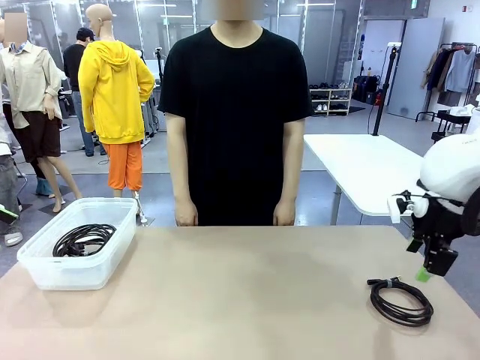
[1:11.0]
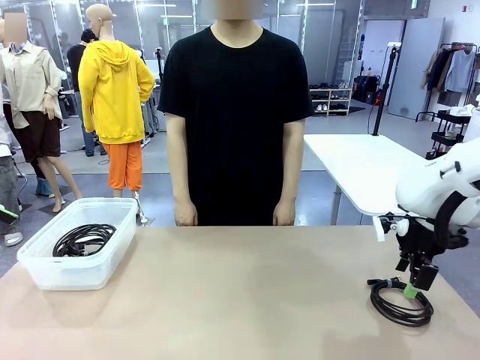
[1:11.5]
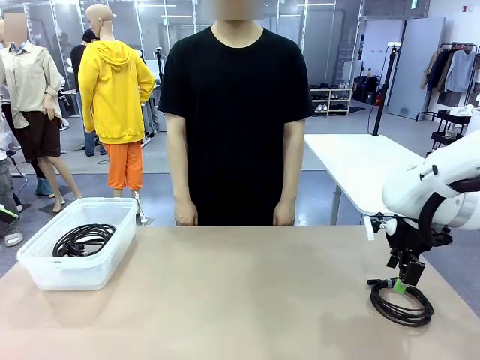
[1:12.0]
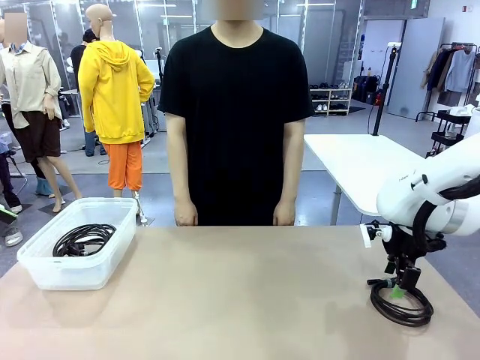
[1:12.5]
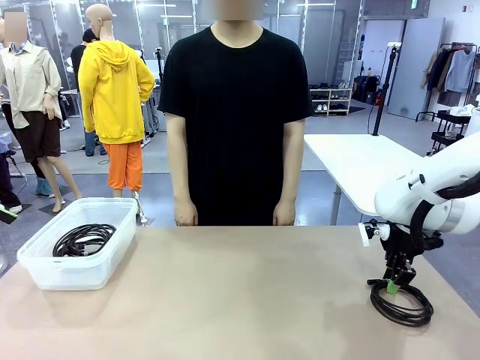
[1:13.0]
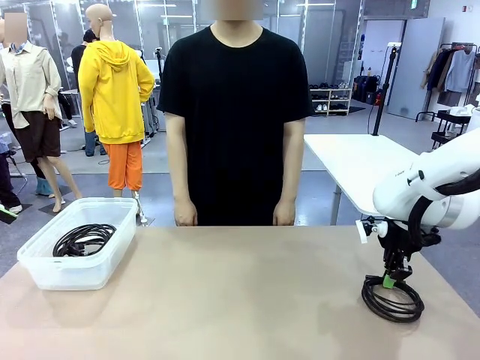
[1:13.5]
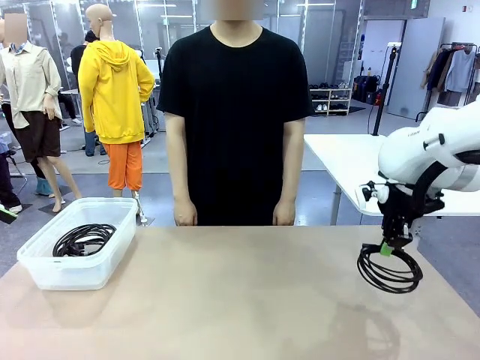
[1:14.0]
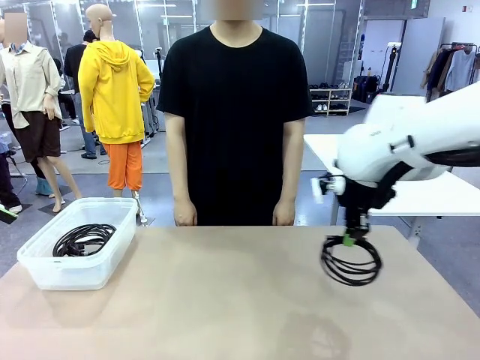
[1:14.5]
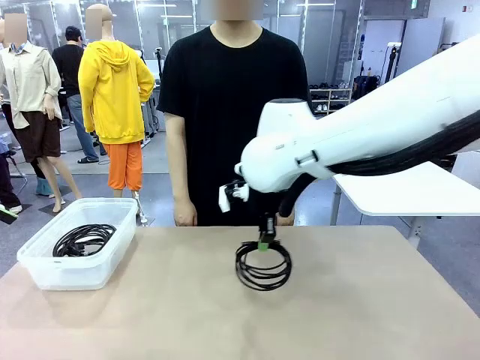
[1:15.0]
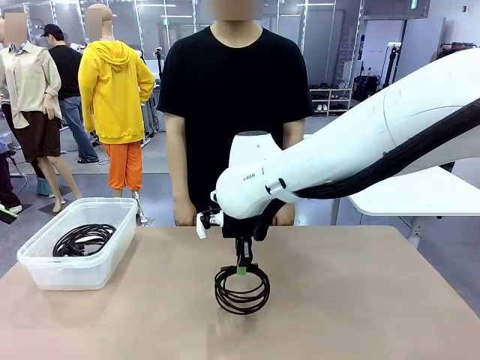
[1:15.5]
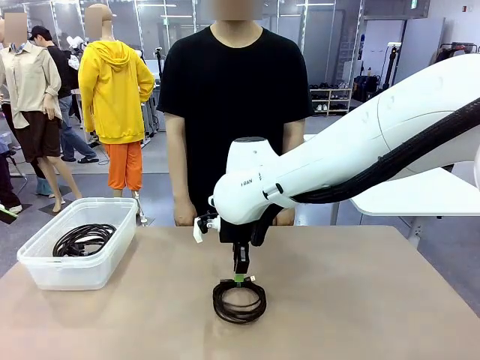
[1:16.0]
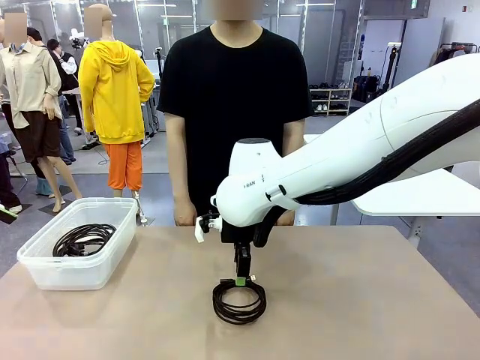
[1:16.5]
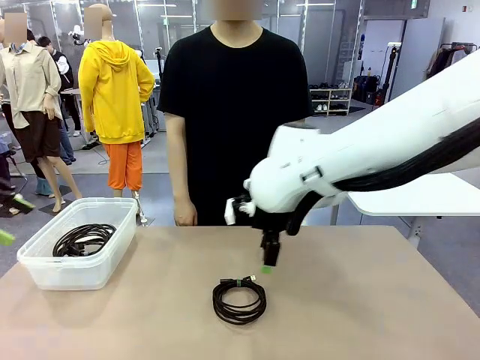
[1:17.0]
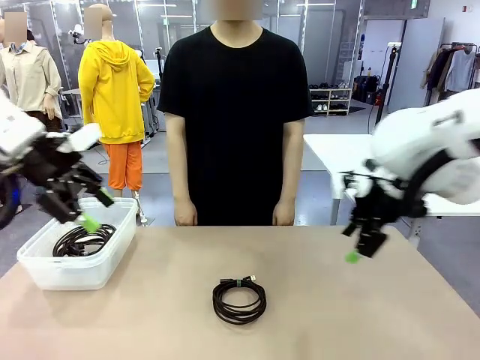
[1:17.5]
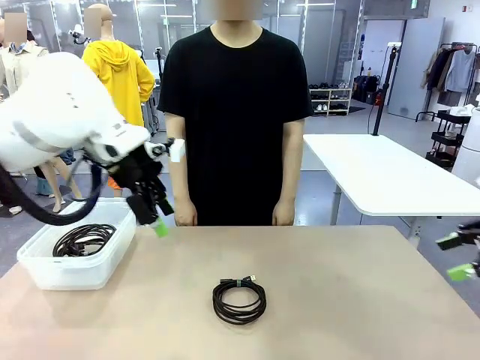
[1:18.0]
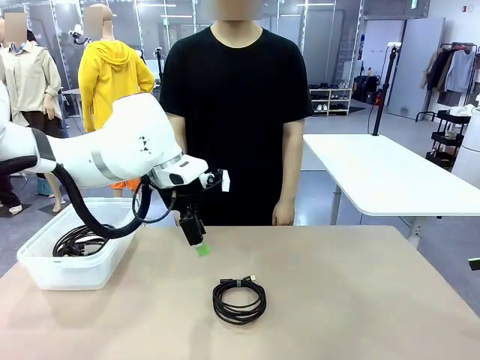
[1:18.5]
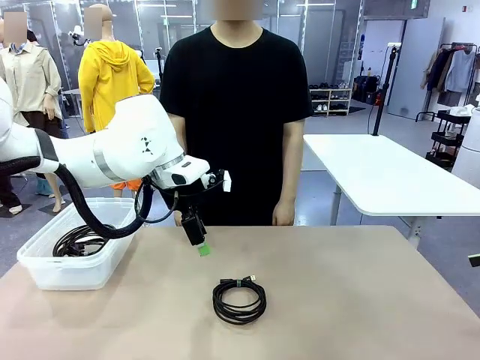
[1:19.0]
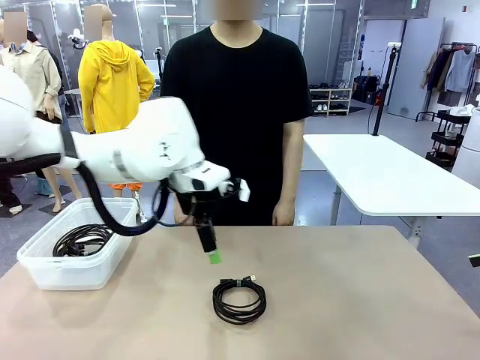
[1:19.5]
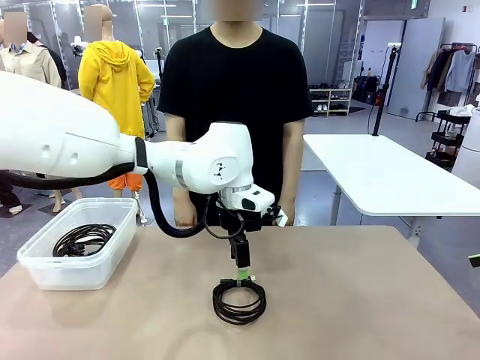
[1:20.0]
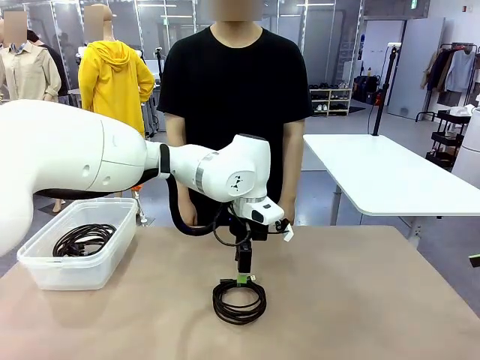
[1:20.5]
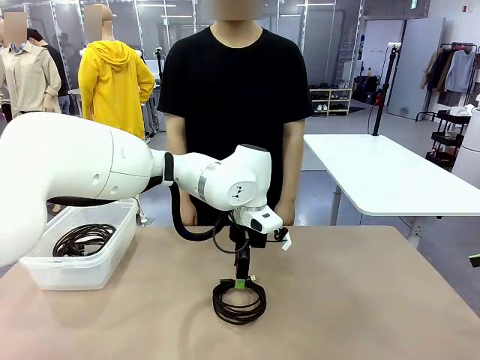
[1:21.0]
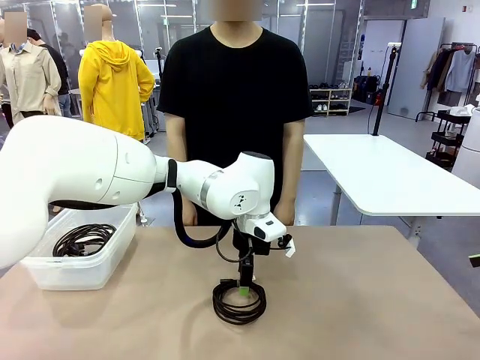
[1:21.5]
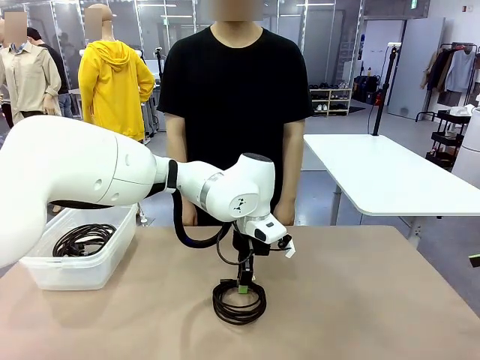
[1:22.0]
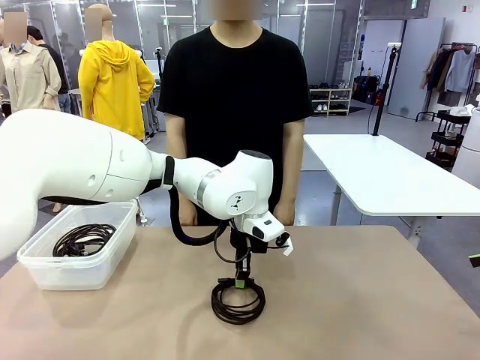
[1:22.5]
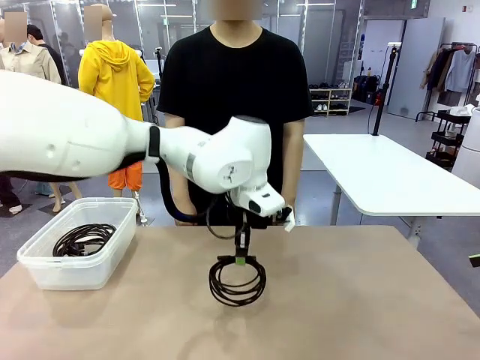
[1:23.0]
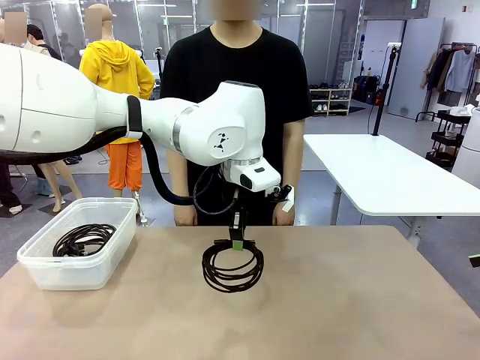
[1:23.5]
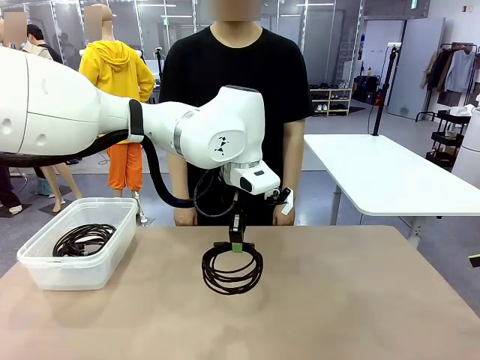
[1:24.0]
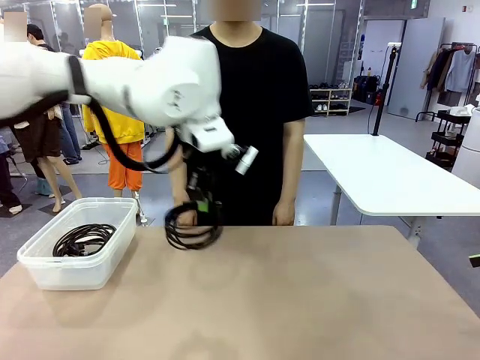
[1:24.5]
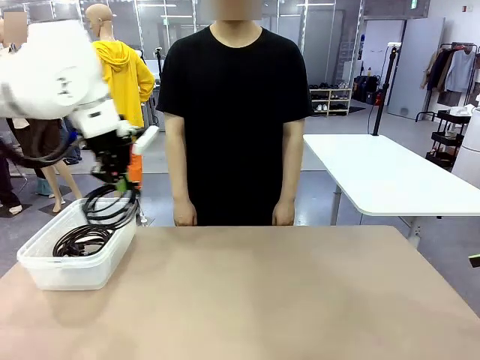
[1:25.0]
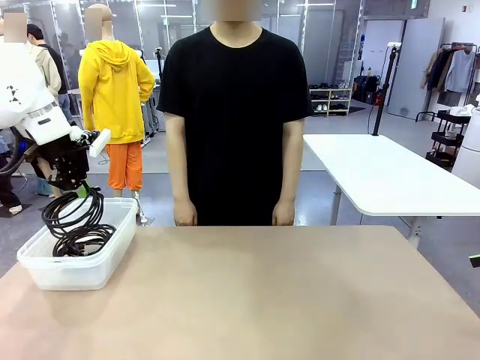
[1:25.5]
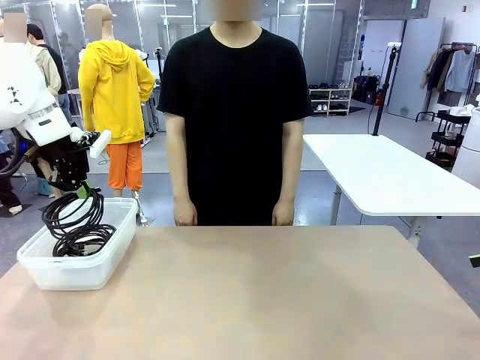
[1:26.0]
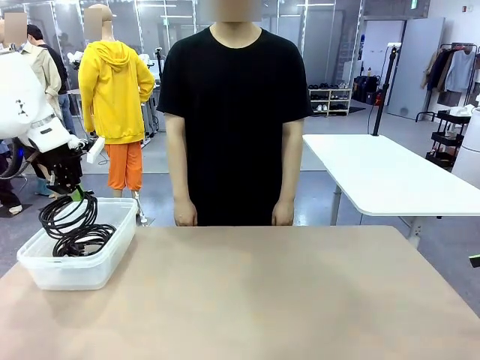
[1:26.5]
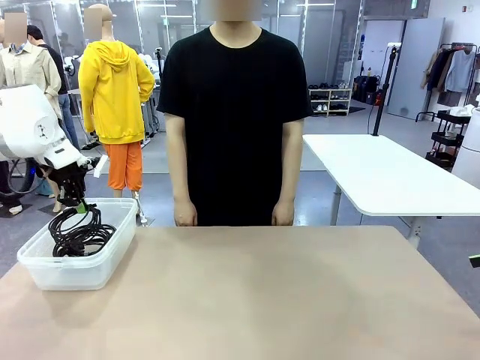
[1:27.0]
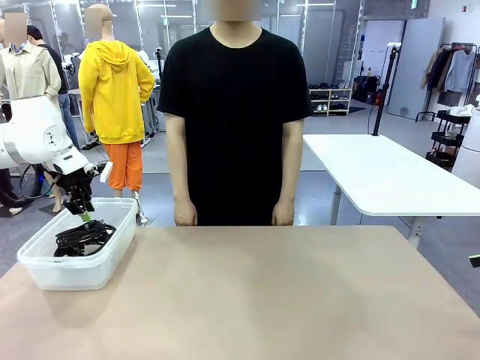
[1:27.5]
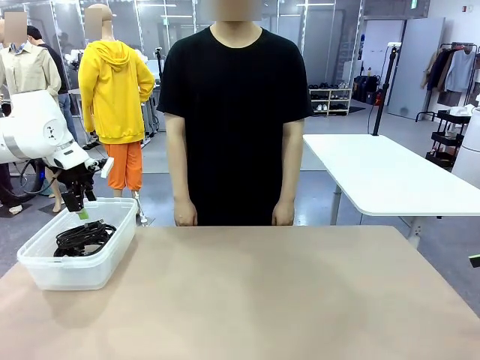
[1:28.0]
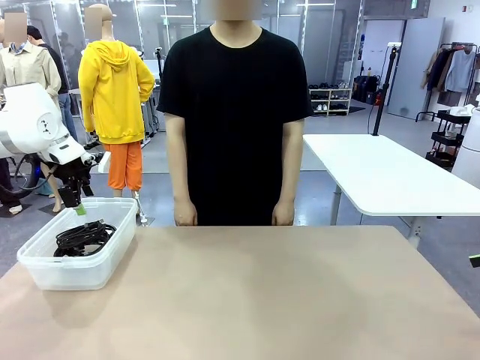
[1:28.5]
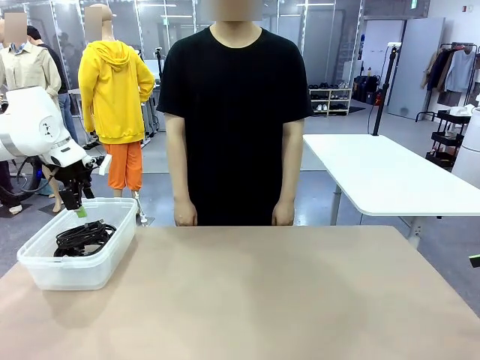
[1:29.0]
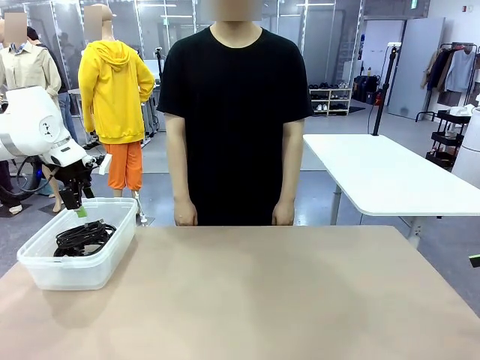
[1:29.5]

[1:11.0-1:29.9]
Task: Organize and store the cables.
Robot: Place the USB Extension Cable into the Organizing box.
